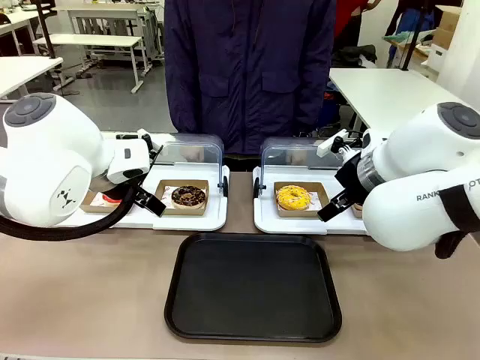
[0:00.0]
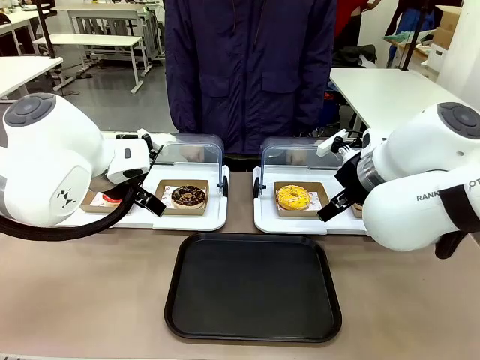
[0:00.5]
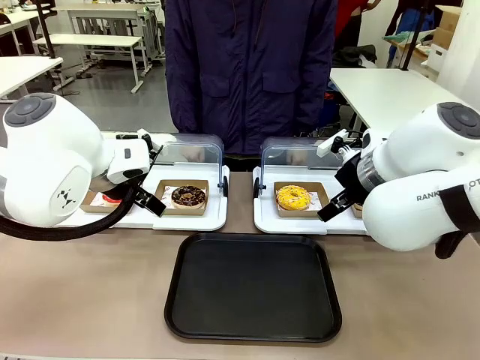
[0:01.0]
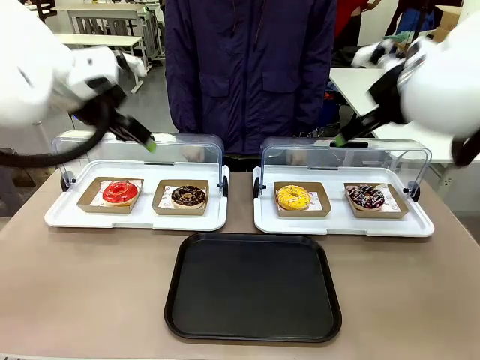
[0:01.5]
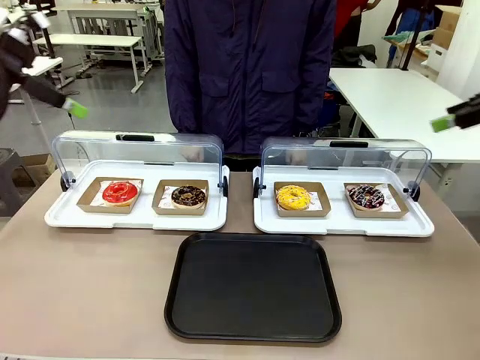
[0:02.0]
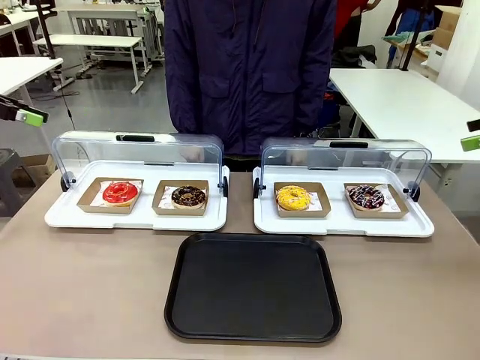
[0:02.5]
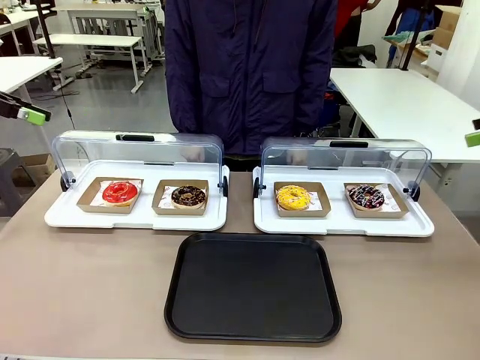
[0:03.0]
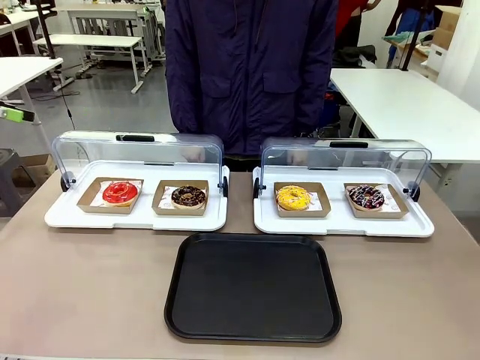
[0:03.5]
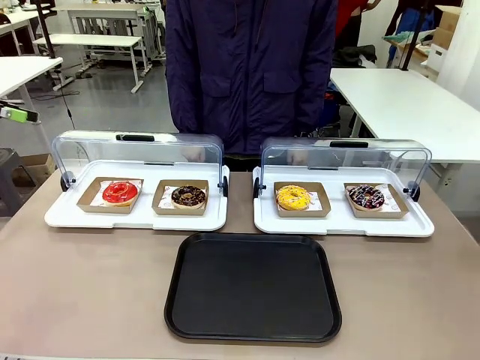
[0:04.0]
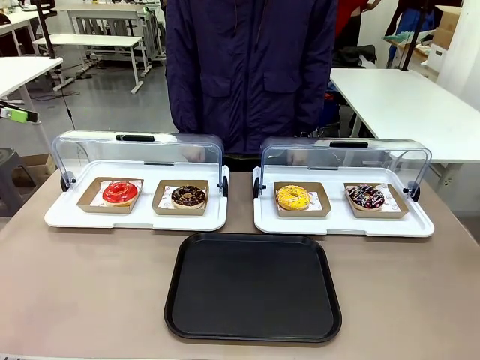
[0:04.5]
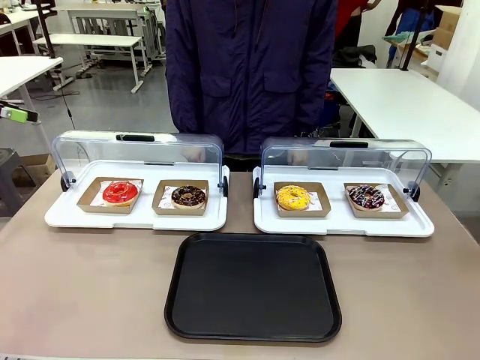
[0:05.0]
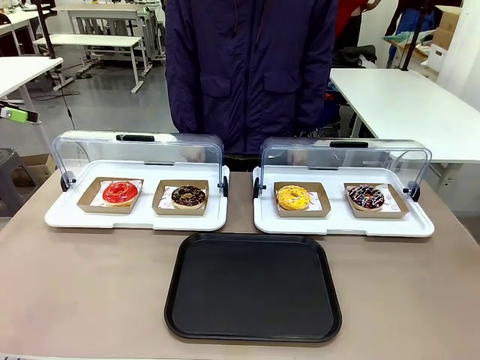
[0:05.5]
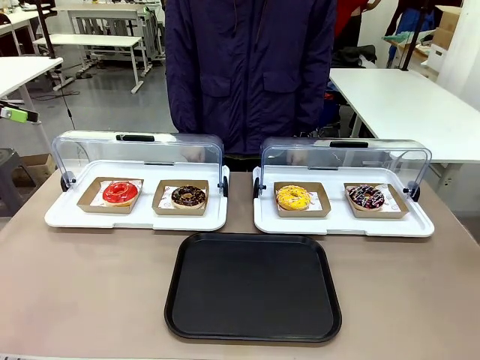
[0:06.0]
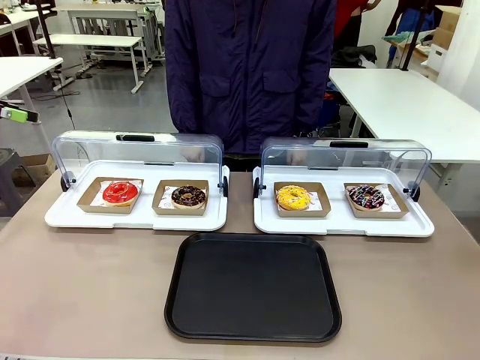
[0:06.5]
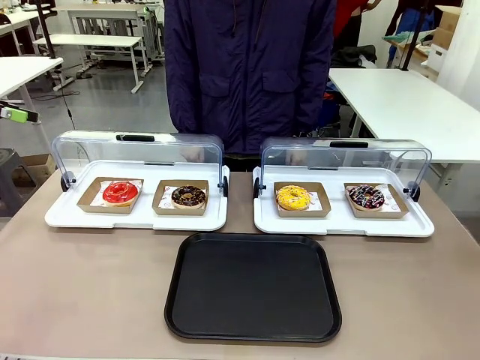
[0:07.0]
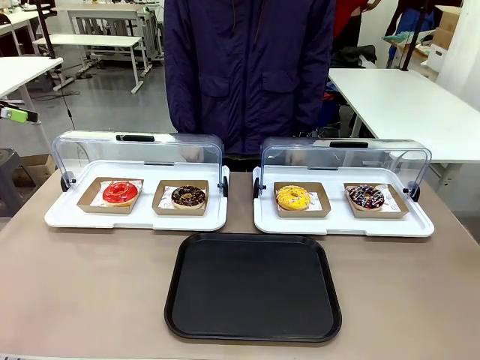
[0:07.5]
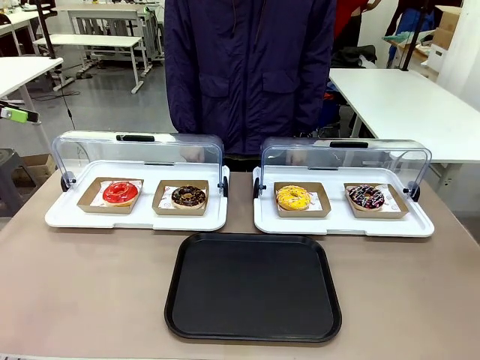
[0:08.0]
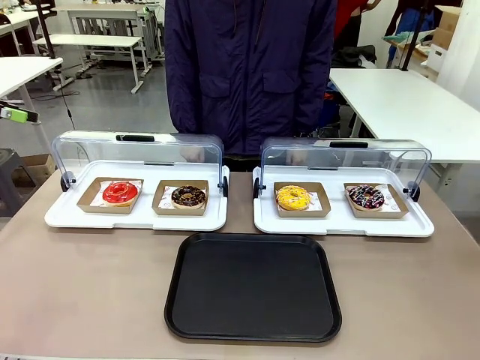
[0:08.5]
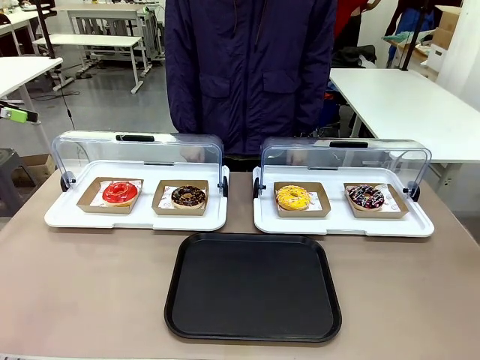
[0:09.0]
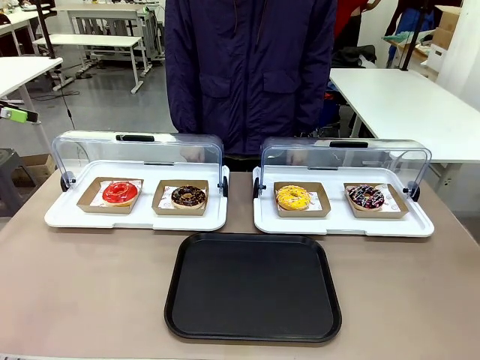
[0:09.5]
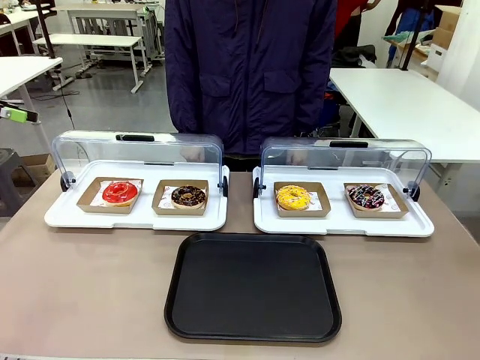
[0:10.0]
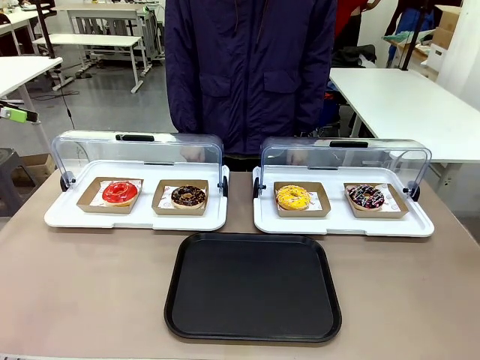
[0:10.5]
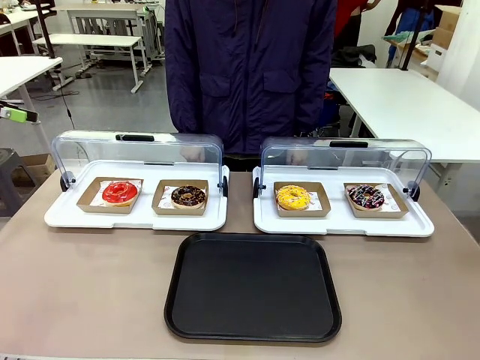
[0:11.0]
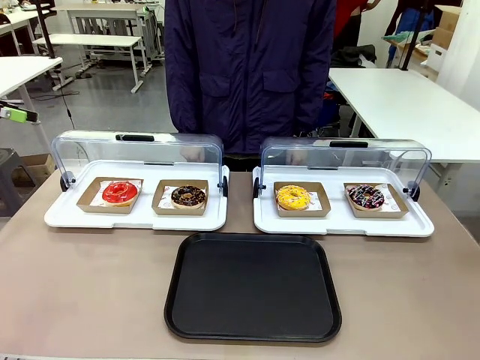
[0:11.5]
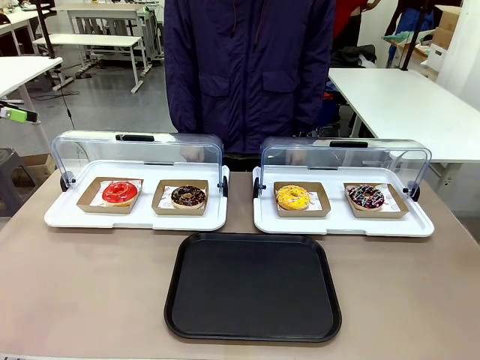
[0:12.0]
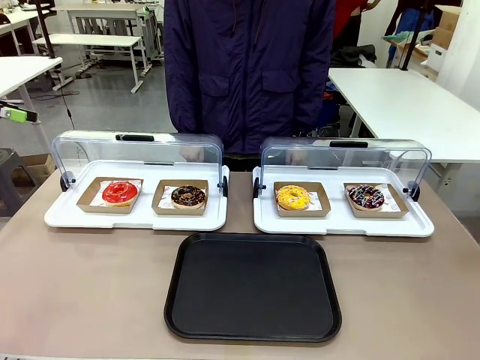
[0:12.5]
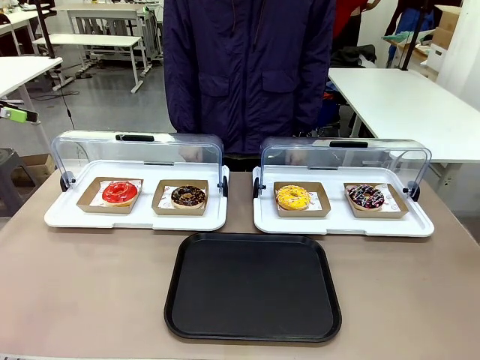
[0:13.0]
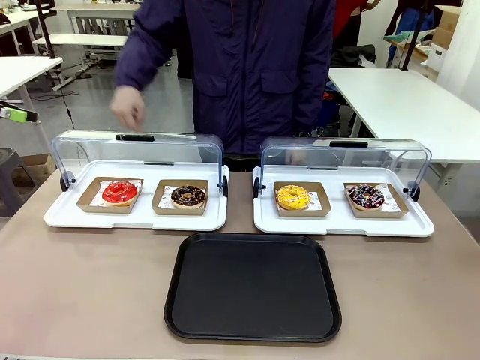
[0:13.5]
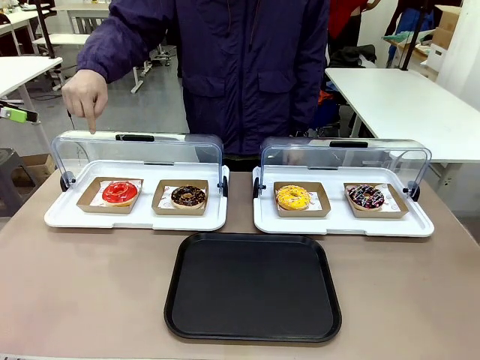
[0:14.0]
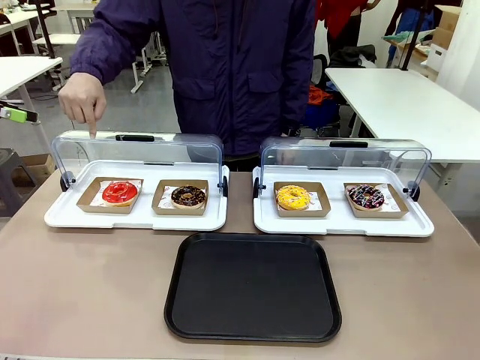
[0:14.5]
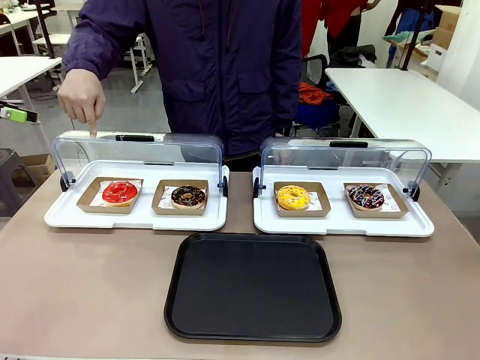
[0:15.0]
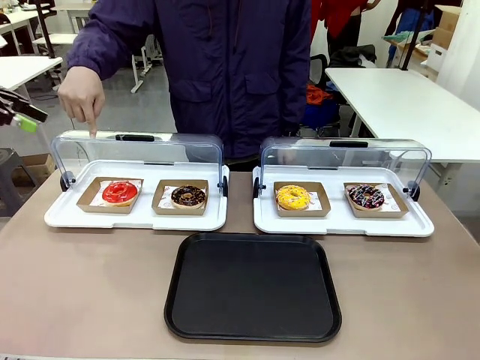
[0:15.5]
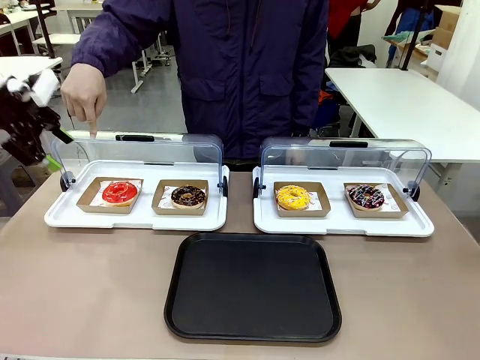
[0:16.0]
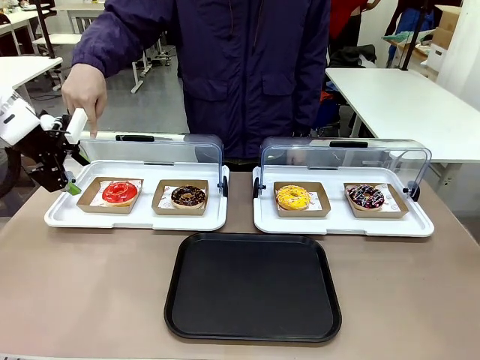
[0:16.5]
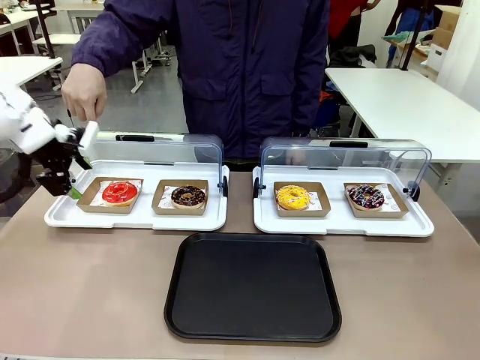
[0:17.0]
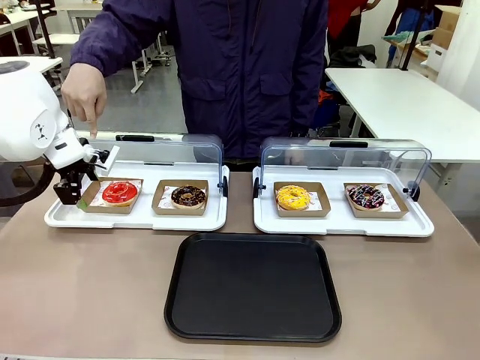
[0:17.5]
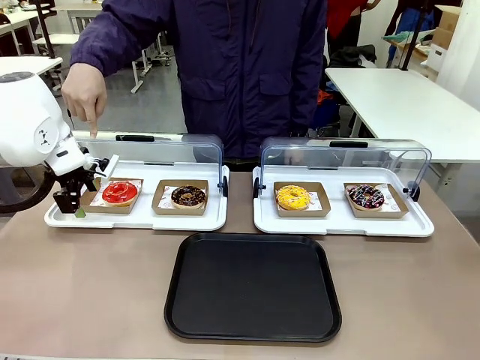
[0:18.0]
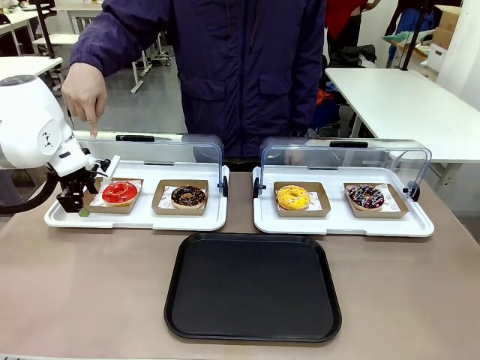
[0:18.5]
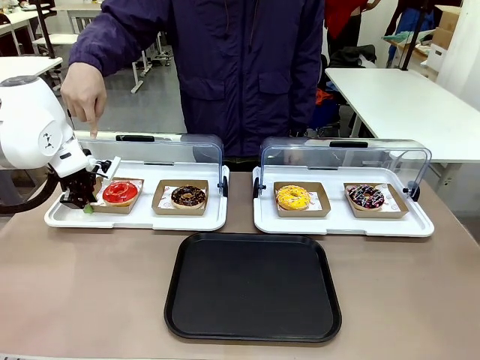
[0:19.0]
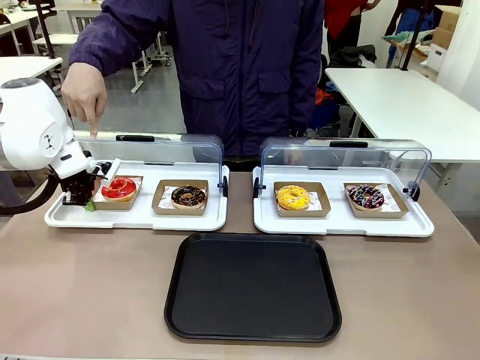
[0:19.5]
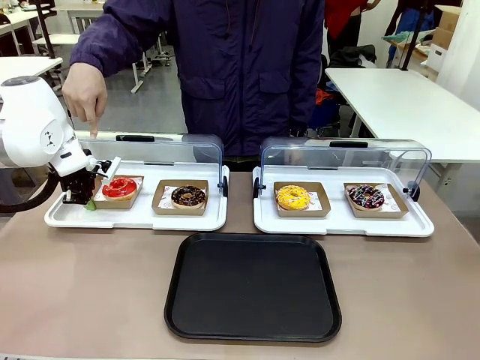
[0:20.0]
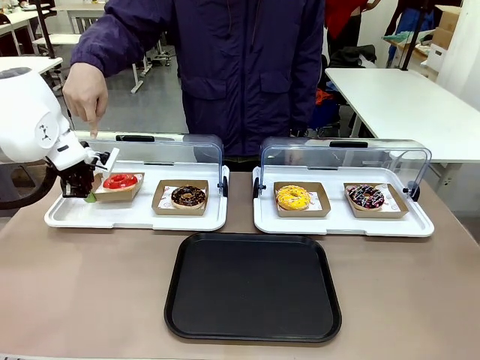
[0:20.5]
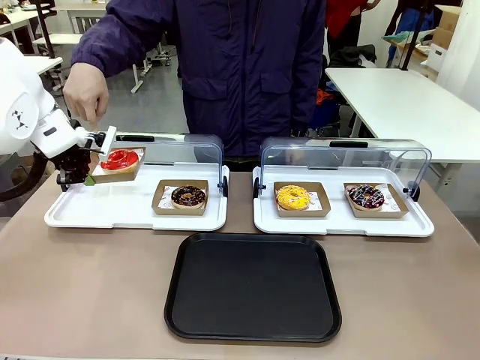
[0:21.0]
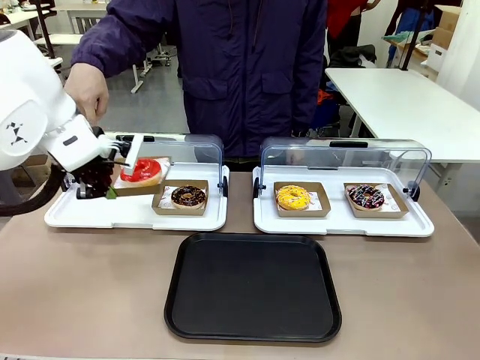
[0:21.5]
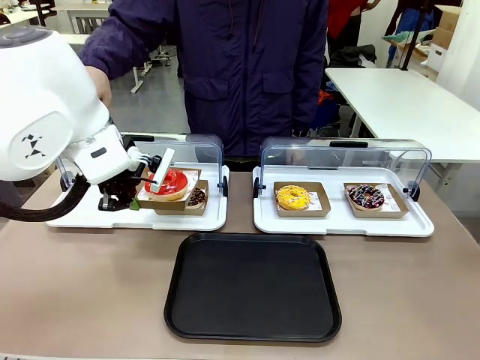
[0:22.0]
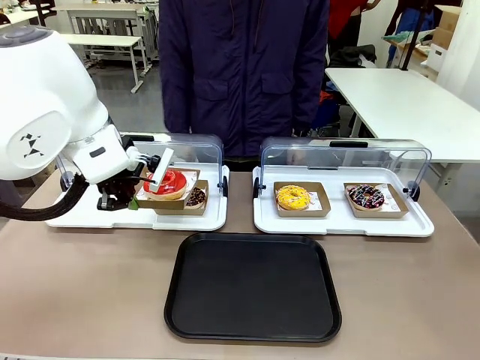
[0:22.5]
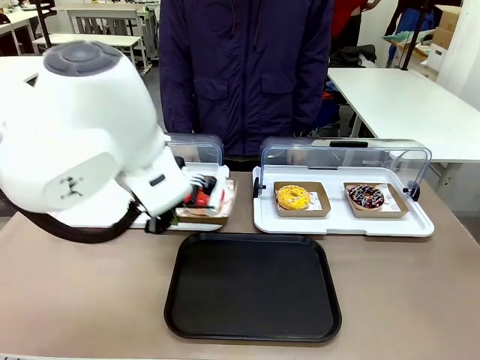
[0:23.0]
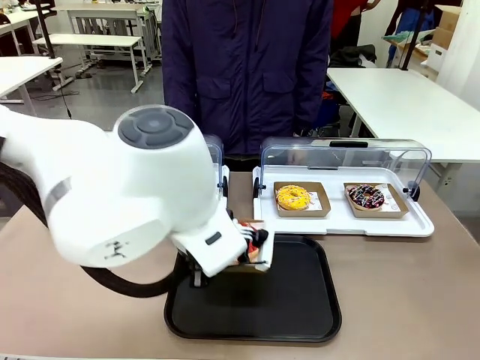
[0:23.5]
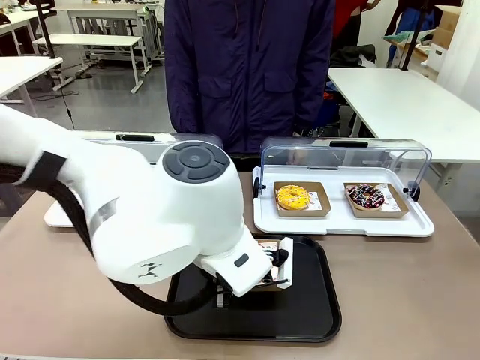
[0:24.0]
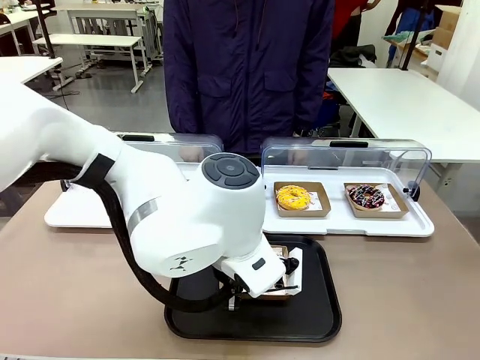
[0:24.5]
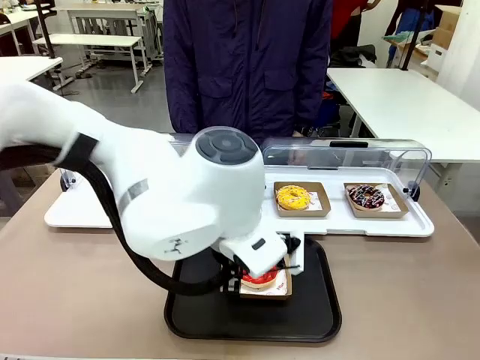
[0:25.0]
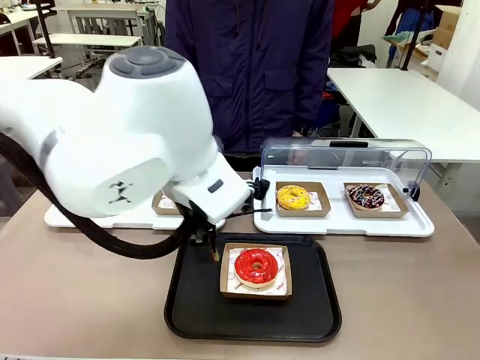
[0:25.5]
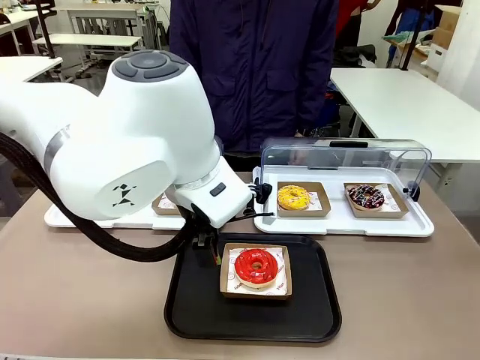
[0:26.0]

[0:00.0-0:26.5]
Task: Move the first donut from the left to the tray.
Robot: Pick up the Paper togo box containing the Donut indicated by the person and place it on the Handle tray.
Person: Points to the first donut from the left from the robot’s perspective.
